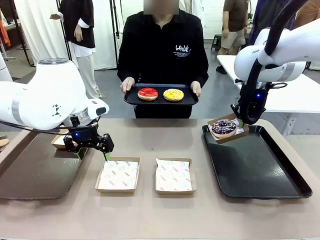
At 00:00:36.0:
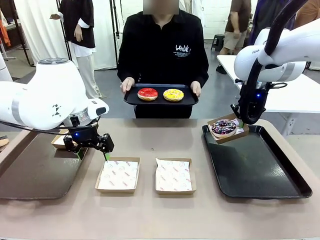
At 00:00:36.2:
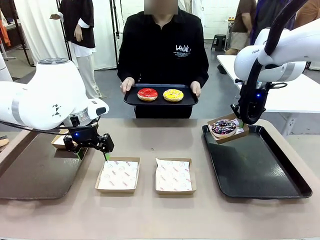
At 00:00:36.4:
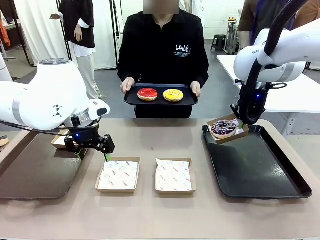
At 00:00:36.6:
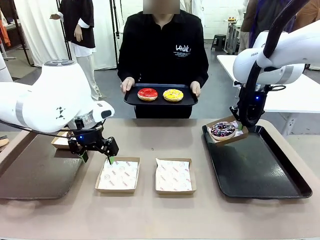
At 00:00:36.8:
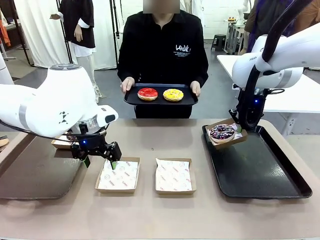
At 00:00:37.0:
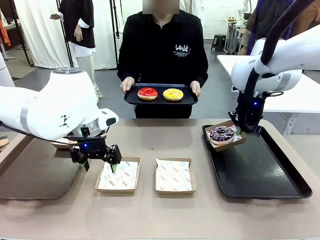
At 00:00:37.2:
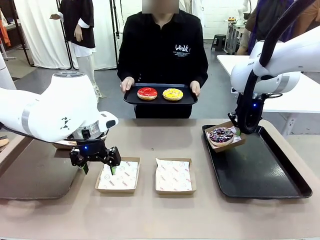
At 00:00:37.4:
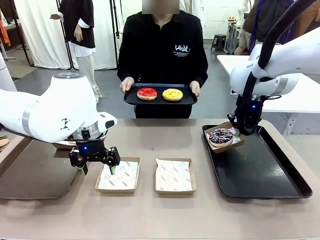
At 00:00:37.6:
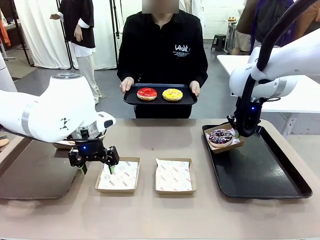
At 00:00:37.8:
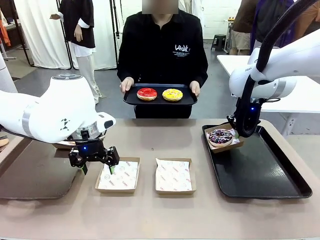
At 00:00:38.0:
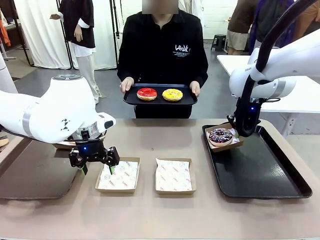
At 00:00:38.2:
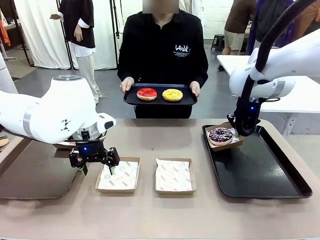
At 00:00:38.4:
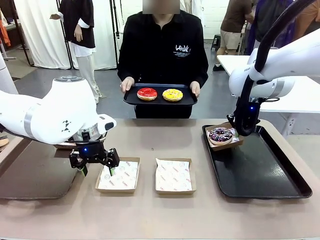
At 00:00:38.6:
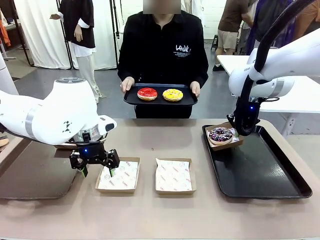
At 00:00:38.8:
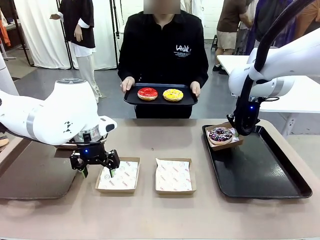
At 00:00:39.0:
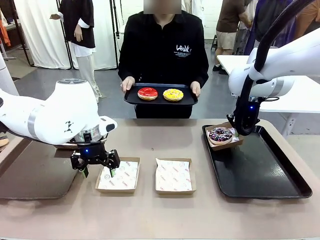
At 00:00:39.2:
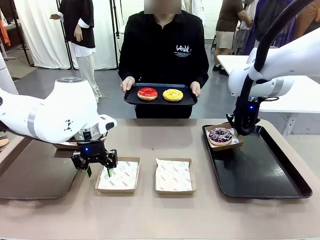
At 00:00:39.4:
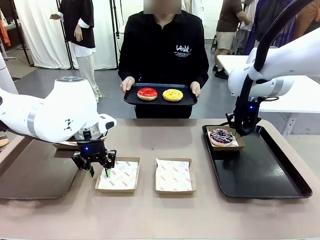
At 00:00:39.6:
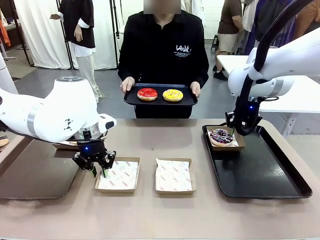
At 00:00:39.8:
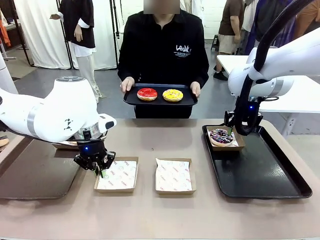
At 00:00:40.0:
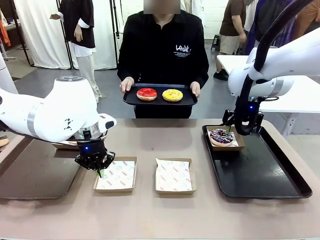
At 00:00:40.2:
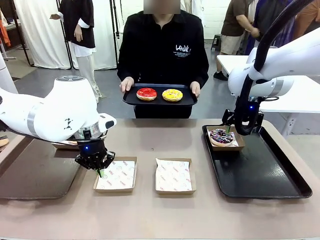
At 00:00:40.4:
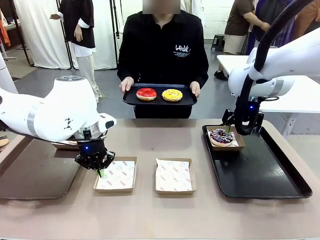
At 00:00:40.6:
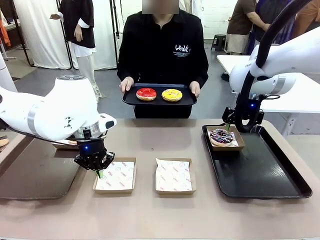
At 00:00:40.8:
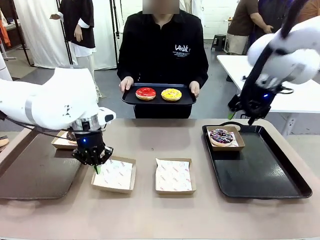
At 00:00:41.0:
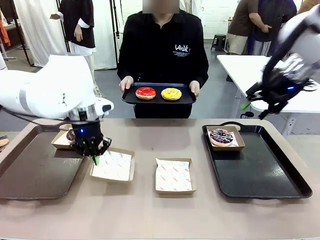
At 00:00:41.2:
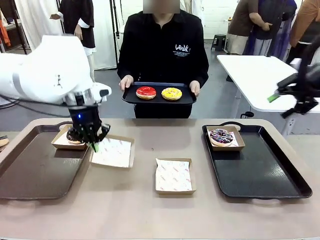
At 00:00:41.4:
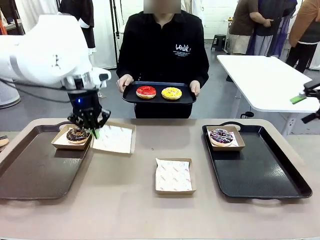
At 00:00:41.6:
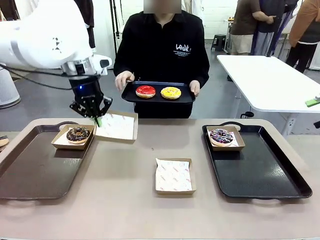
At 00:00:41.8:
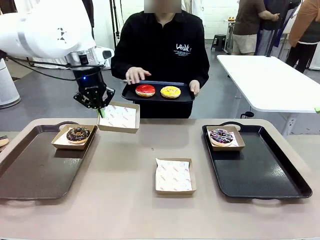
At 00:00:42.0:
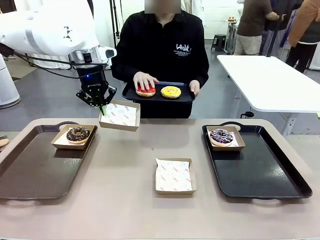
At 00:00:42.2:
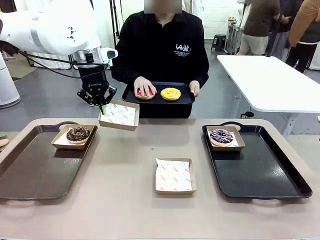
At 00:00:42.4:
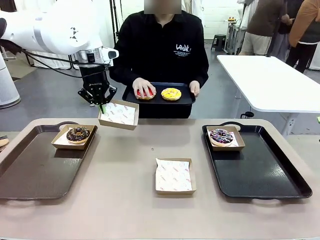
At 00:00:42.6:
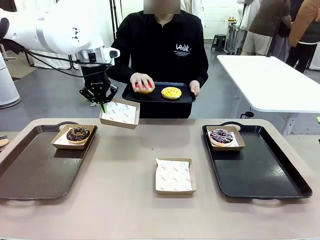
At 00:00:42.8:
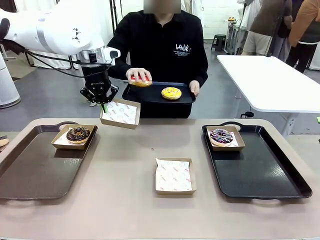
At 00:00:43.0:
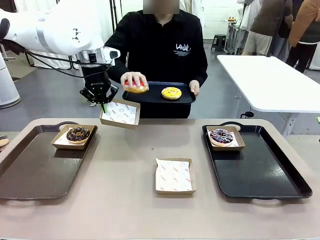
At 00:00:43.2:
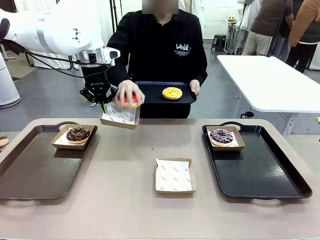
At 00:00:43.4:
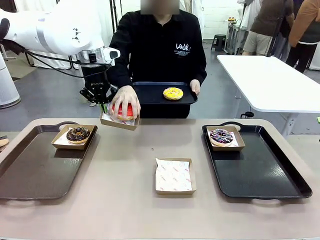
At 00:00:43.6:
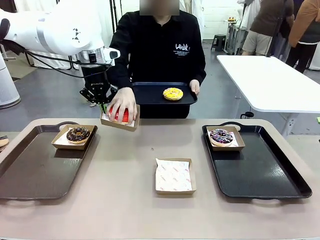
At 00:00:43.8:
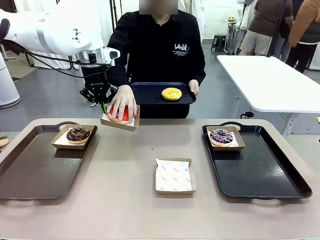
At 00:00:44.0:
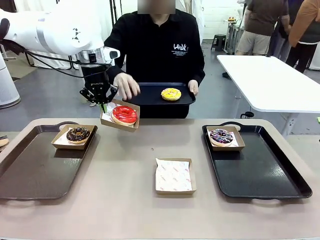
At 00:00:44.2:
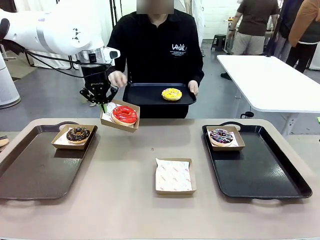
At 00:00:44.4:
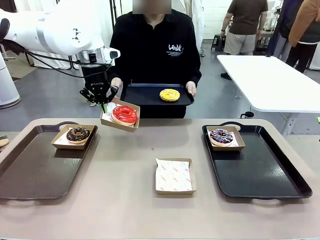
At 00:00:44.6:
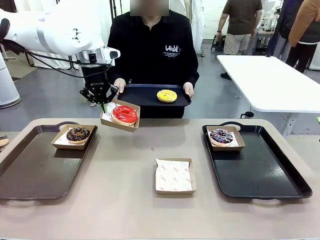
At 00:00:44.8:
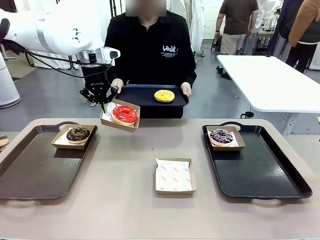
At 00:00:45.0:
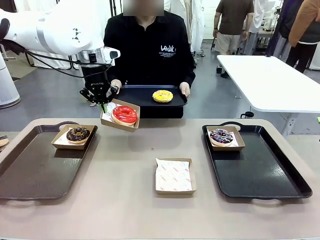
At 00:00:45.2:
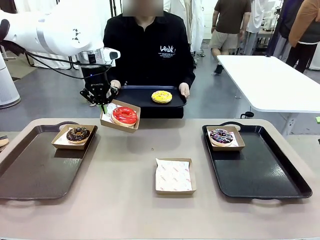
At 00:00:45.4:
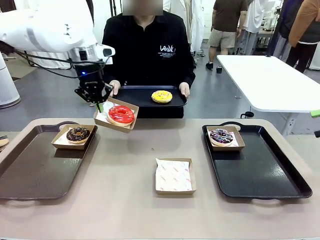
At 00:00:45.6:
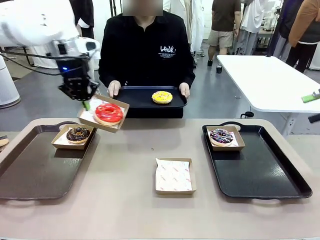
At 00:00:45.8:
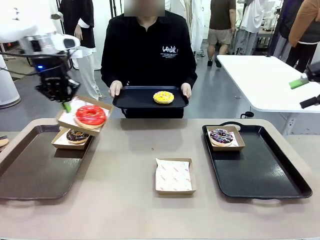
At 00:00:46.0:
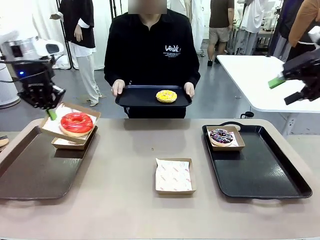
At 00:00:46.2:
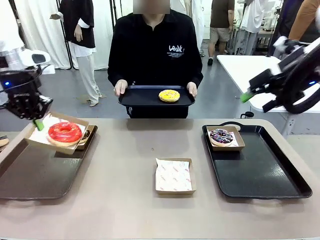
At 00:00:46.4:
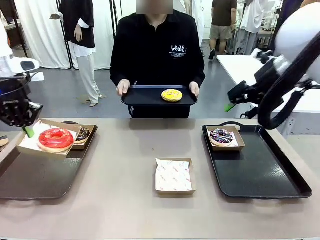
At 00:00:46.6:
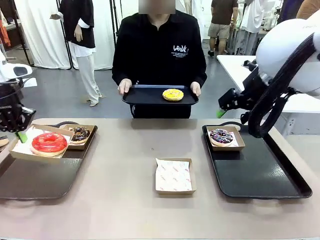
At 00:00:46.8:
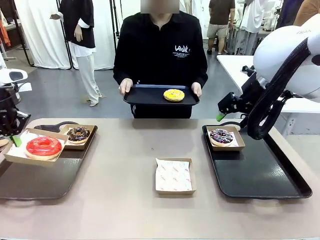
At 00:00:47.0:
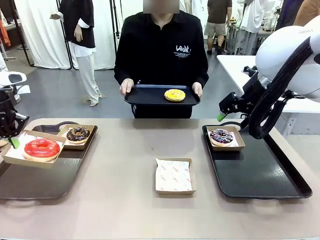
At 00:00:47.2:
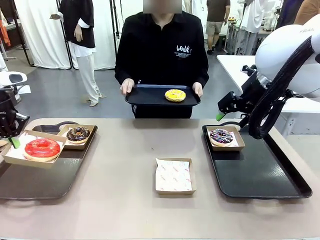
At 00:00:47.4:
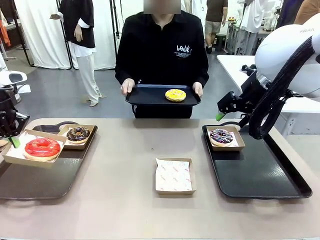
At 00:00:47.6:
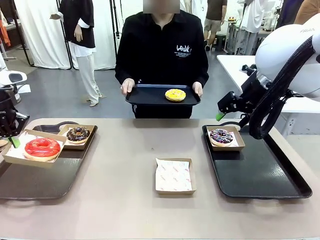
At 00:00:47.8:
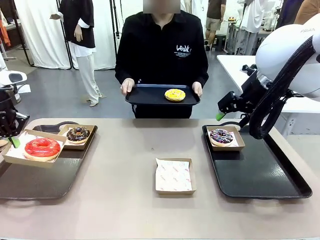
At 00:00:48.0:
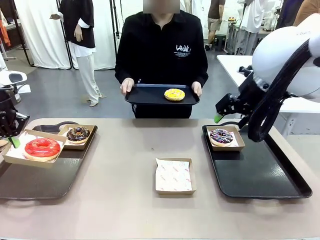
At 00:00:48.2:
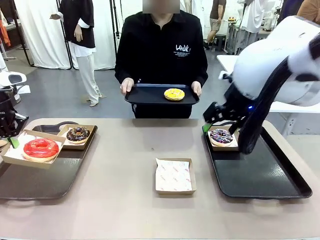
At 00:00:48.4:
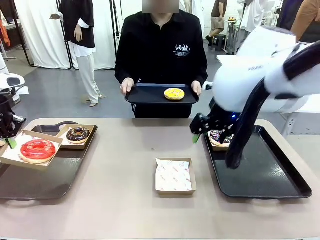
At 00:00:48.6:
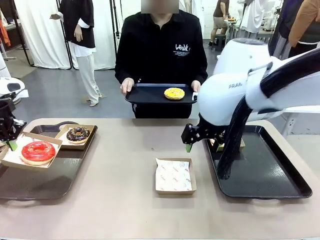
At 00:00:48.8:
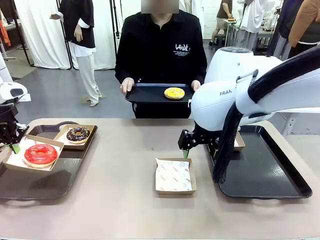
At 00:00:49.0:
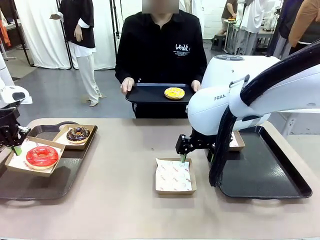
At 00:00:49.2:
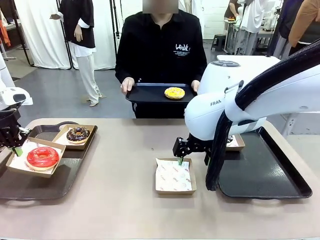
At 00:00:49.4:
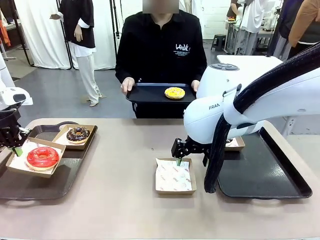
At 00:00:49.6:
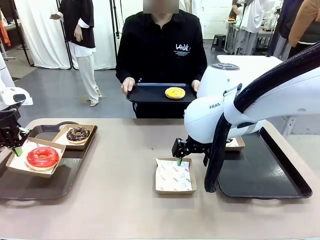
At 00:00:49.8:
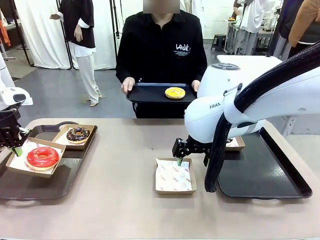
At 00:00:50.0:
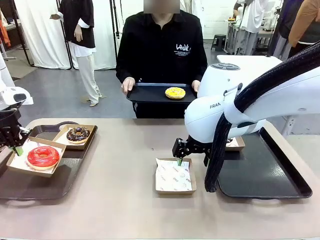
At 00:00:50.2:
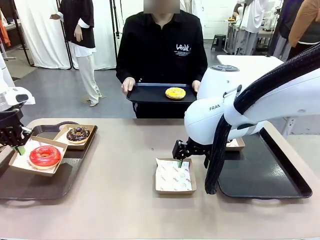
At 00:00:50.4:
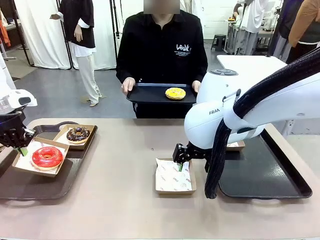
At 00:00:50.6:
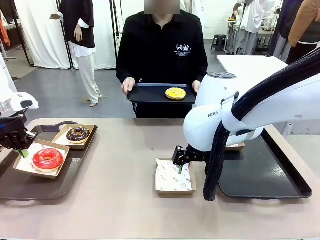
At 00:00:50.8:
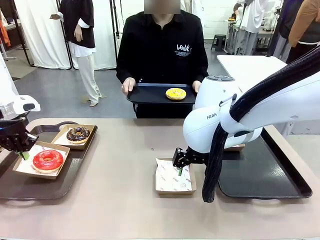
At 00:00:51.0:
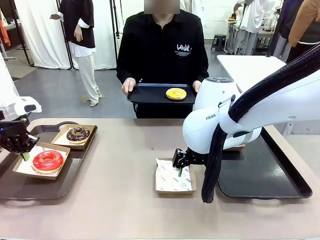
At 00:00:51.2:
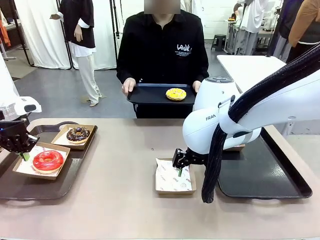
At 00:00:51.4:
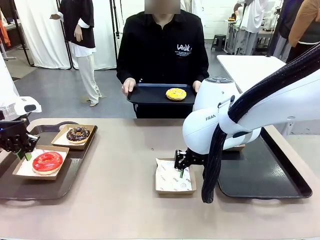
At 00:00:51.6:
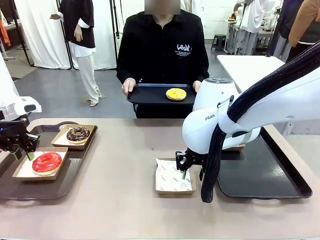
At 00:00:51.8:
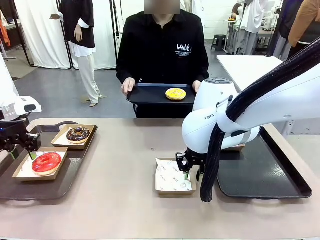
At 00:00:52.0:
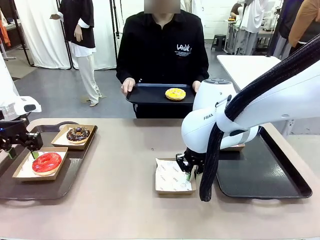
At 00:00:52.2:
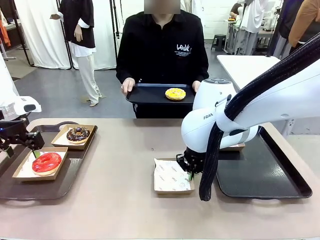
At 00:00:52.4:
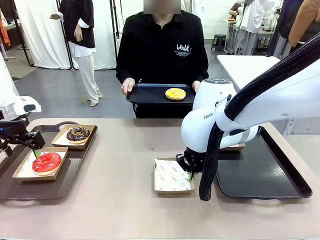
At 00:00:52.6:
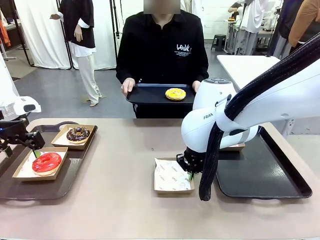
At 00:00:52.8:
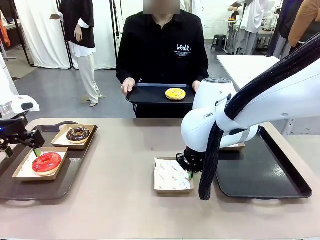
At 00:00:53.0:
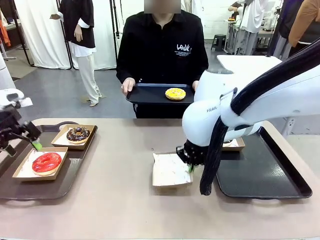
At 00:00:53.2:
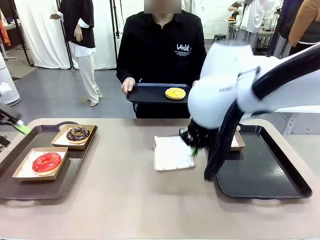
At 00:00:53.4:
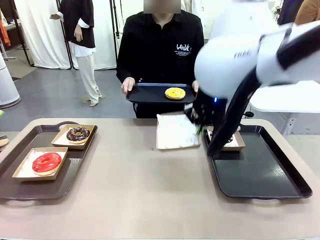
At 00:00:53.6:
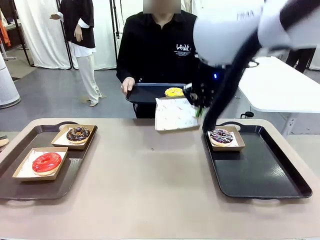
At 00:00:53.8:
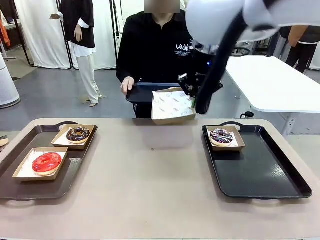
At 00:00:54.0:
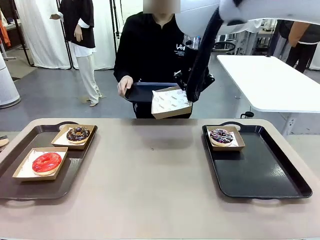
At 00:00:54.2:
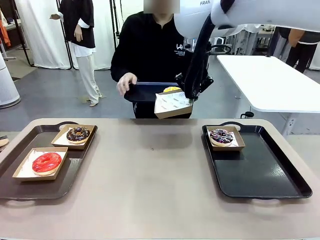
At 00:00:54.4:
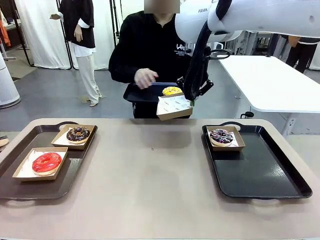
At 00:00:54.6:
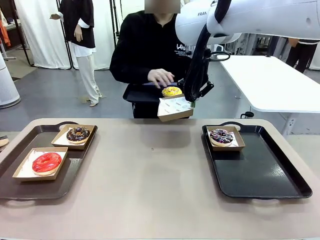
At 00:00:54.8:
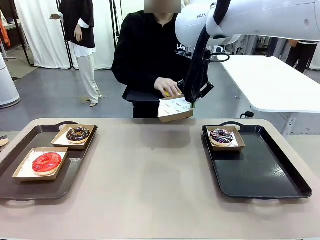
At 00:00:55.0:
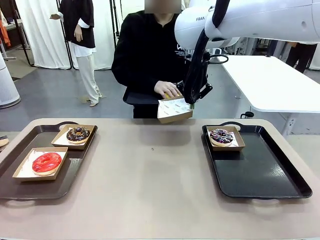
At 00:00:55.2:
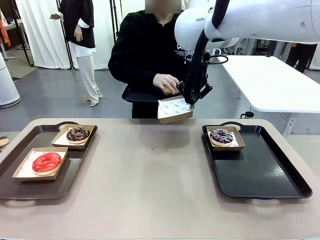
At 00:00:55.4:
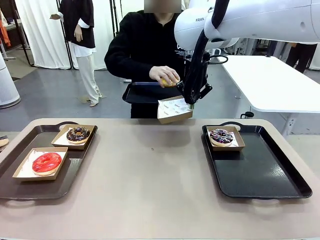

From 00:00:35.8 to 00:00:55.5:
Task: Individually package the donuts and arrange them on the tray.
Robot: Place the picked Paper togo box on the Handle tray while simultaneously picking up another Paper togo box from the table with the other hand.
